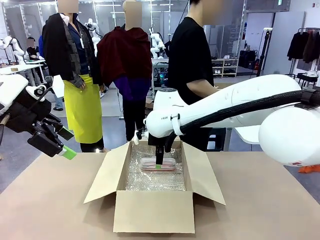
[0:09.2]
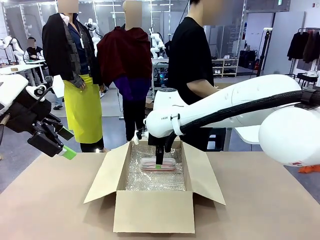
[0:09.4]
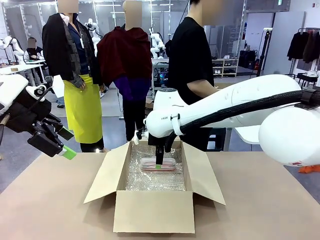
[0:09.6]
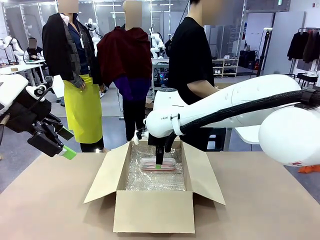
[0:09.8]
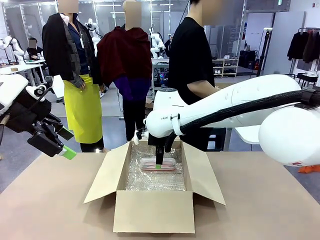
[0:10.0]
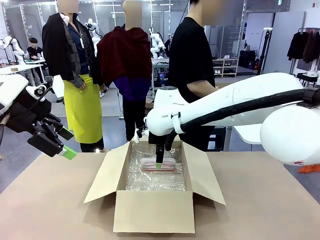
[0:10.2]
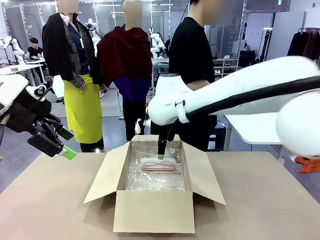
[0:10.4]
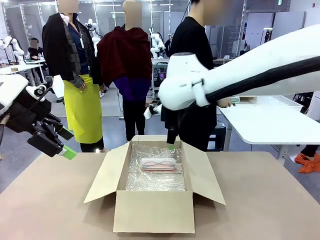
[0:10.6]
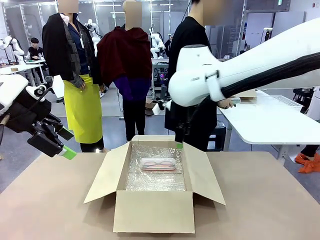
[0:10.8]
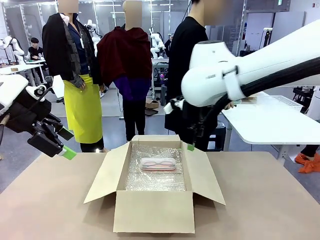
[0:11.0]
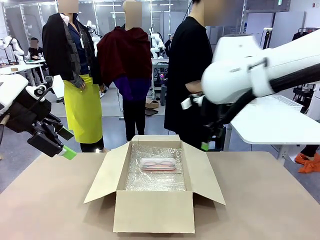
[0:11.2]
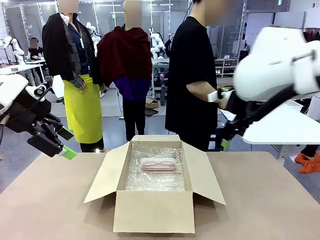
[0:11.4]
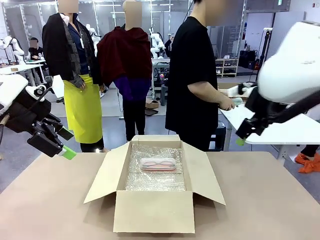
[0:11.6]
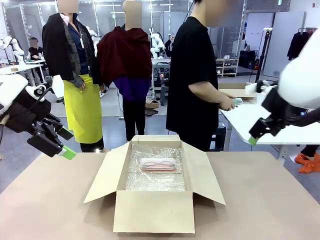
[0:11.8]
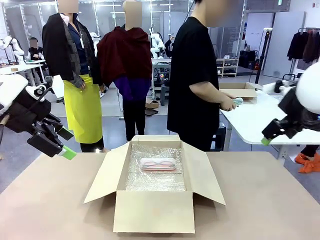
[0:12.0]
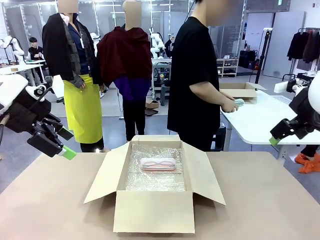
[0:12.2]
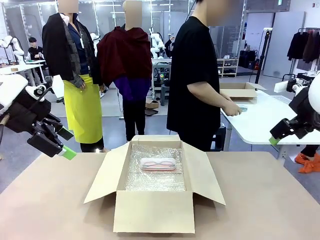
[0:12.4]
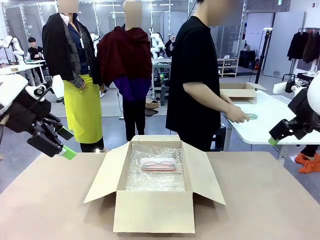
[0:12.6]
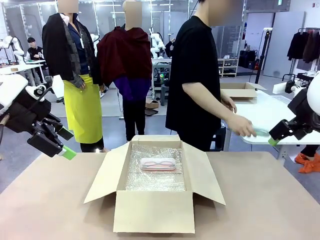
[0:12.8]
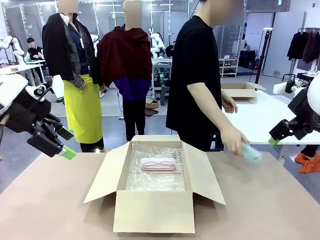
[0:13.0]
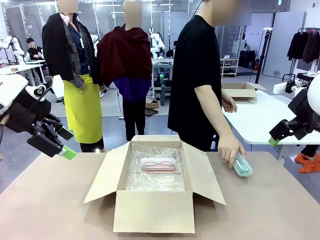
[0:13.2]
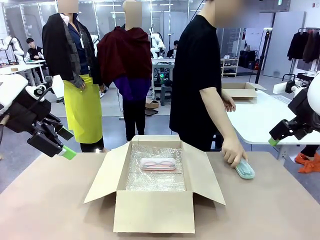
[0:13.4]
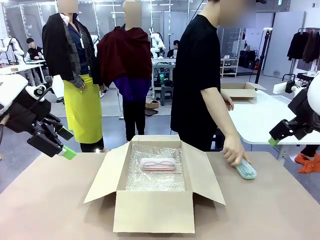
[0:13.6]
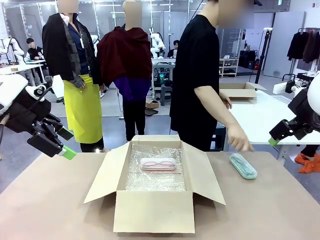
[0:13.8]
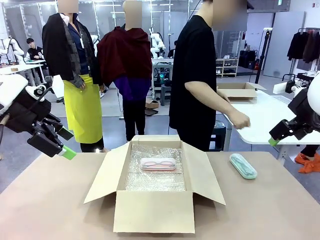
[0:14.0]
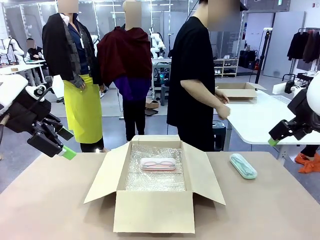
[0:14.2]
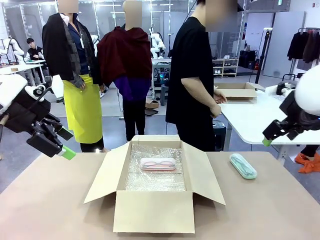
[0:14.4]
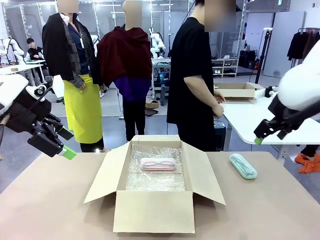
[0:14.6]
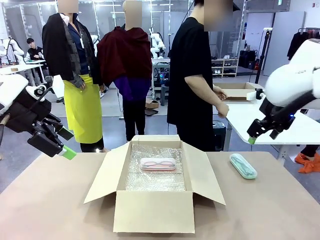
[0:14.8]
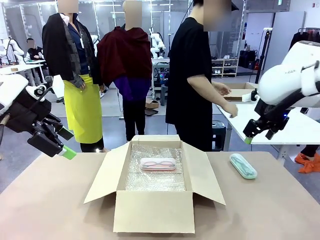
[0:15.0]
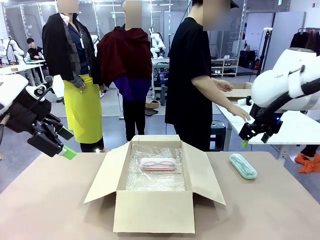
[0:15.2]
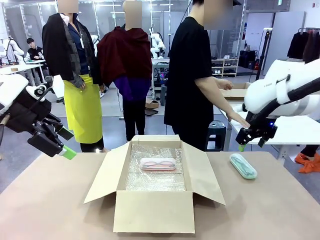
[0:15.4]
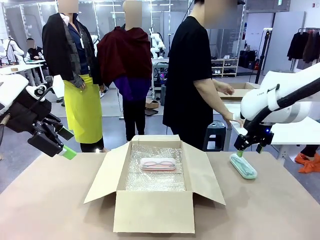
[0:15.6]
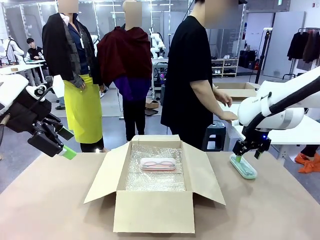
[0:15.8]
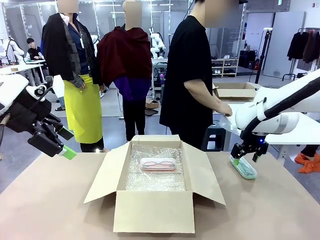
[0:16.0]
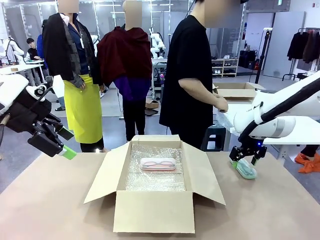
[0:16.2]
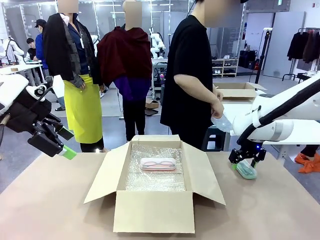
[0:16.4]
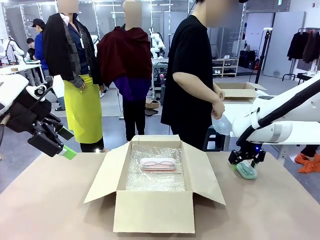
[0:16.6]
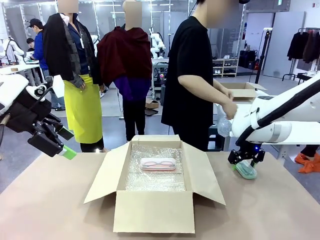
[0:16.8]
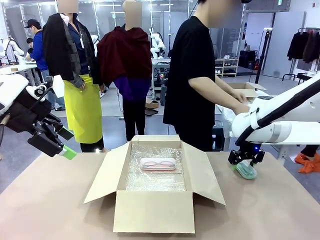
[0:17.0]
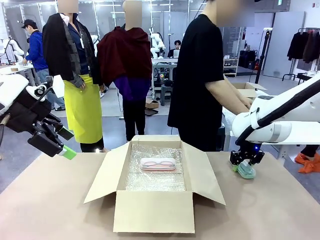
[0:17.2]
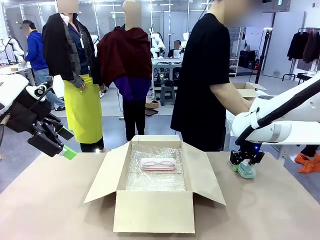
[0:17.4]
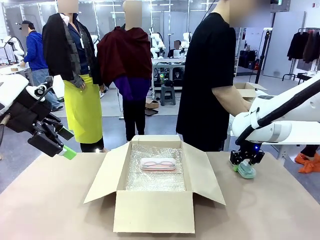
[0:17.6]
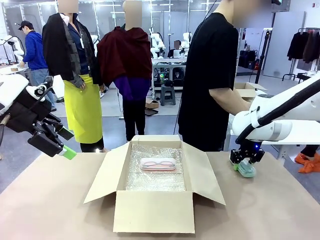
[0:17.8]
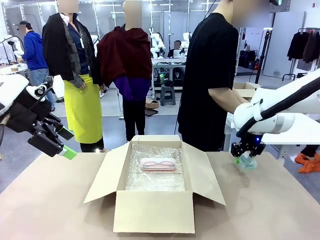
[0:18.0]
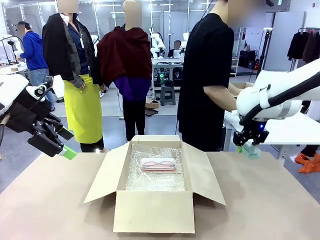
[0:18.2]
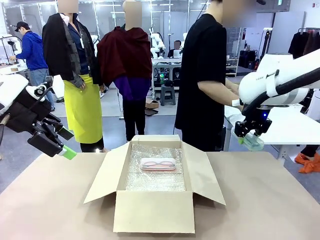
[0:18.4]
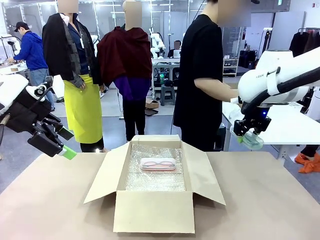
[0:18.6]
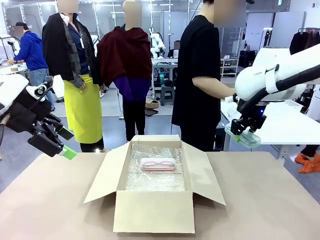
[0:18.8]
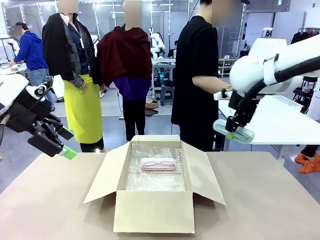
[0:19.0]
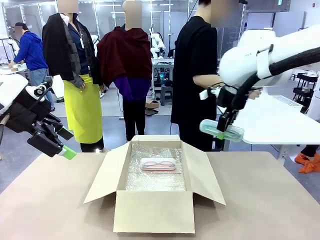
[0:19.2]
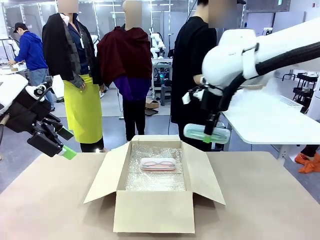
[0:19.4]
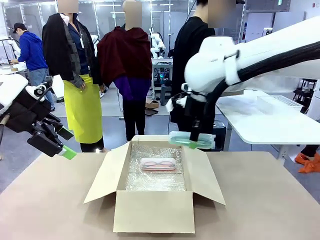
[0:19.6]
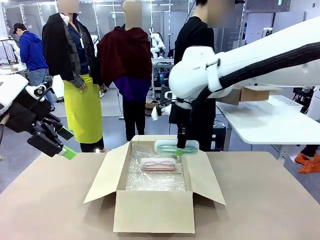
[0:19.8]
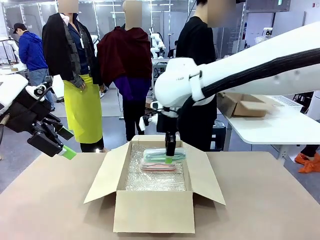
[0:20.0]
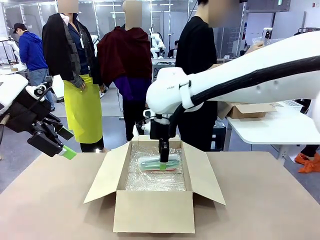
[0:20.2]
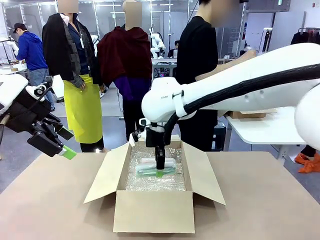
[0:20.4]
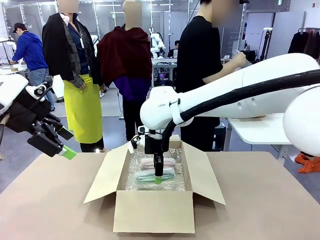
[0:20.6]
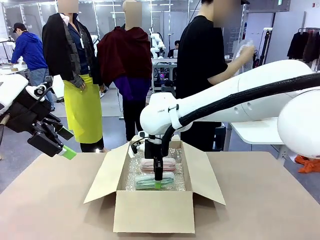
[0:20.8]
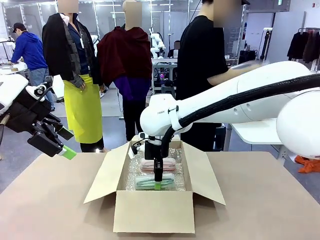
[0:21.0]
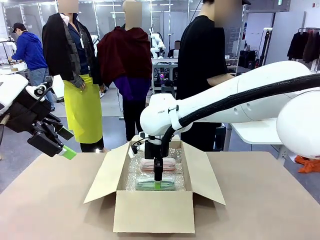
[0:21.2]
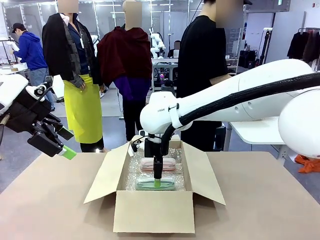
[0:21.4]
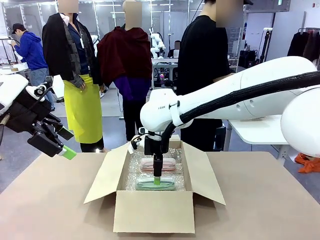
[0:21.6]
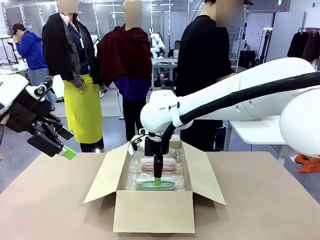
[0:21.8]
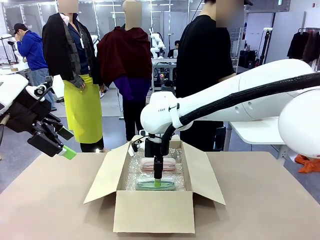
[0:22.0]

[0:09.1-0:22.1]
Task: Pack the glasses set securely to prepare it for shipping.
Robot: Put the Glasses case from the right side of the table into the Package Box.
Person: Position the Glasses case on the left side of the robot's table.
